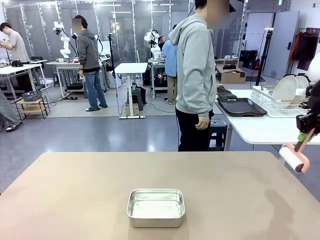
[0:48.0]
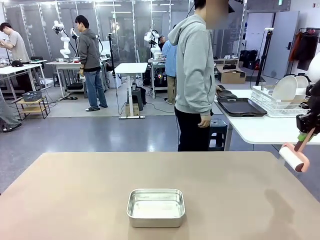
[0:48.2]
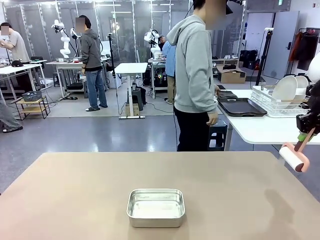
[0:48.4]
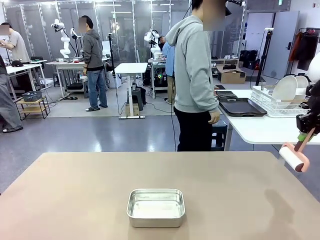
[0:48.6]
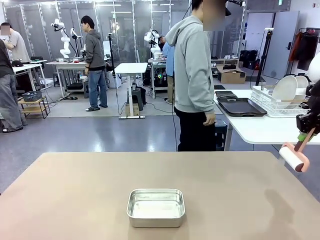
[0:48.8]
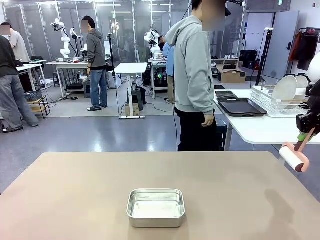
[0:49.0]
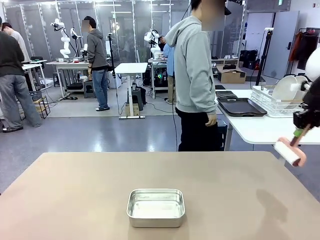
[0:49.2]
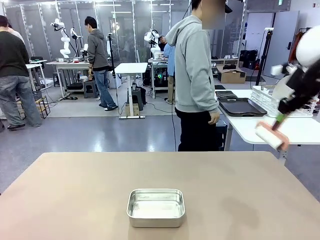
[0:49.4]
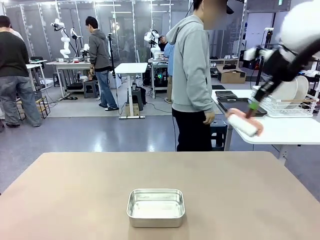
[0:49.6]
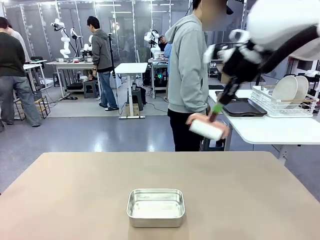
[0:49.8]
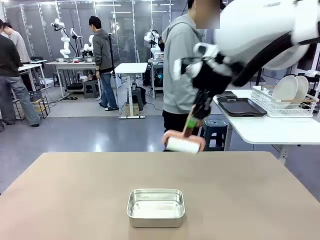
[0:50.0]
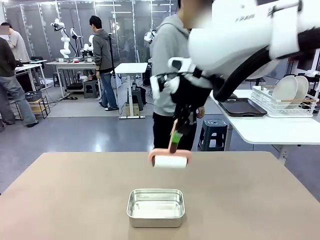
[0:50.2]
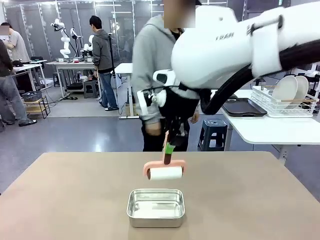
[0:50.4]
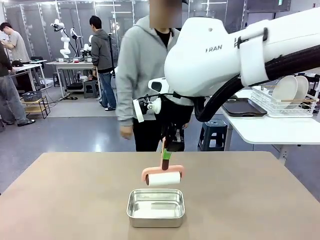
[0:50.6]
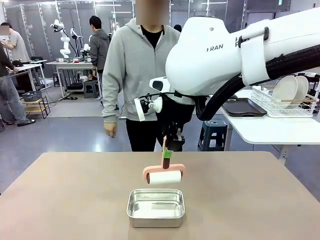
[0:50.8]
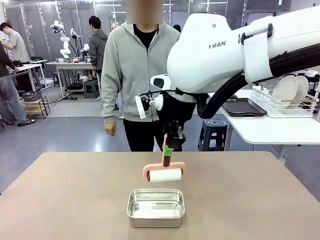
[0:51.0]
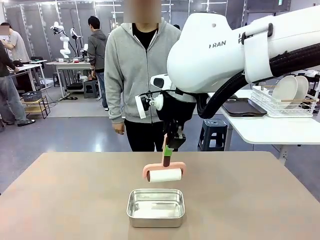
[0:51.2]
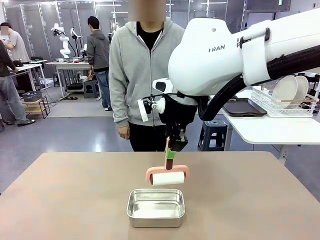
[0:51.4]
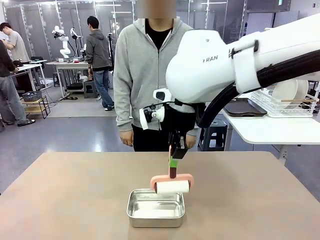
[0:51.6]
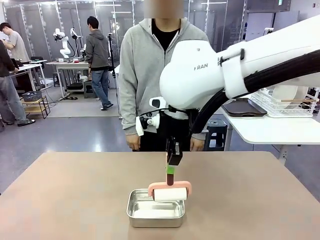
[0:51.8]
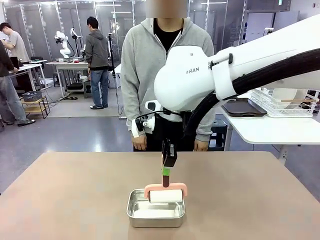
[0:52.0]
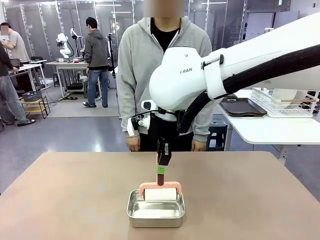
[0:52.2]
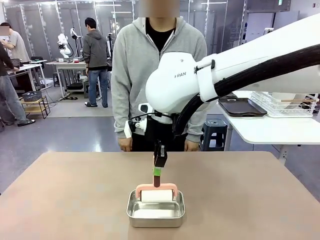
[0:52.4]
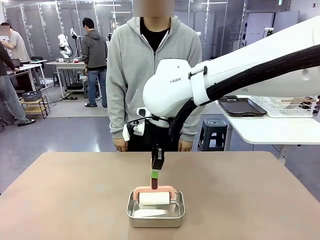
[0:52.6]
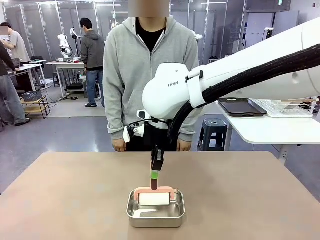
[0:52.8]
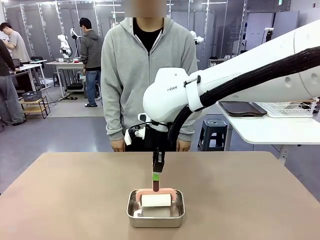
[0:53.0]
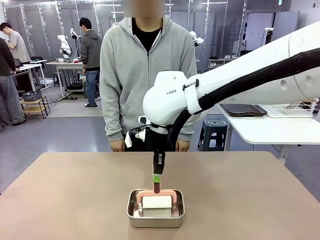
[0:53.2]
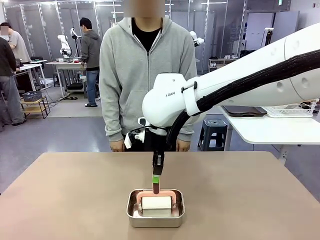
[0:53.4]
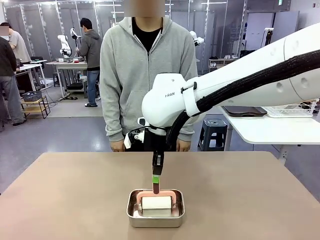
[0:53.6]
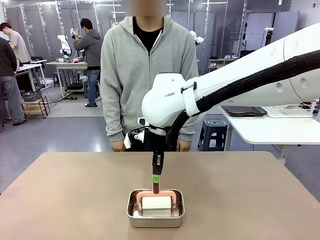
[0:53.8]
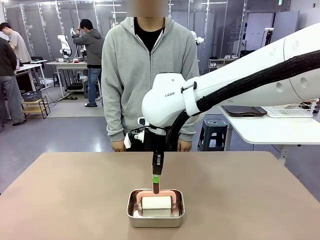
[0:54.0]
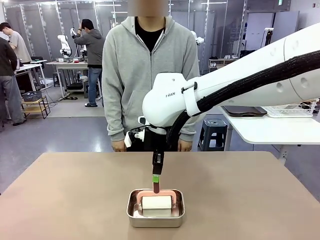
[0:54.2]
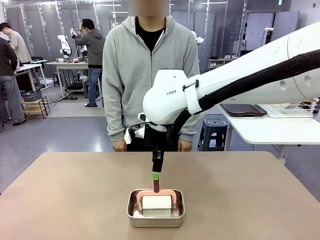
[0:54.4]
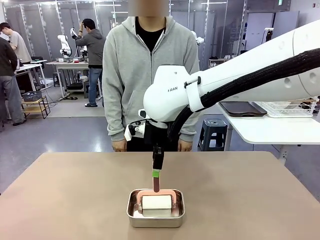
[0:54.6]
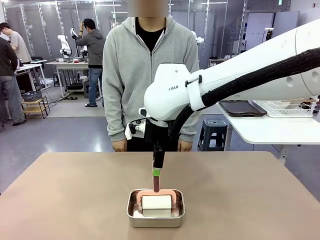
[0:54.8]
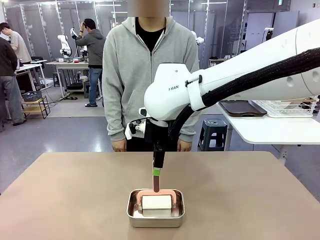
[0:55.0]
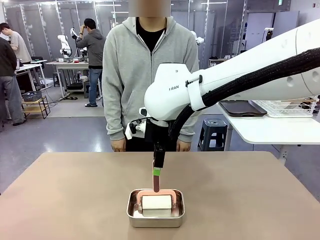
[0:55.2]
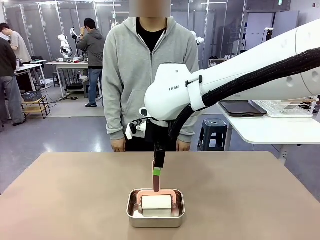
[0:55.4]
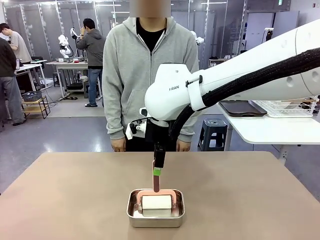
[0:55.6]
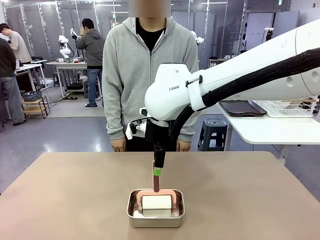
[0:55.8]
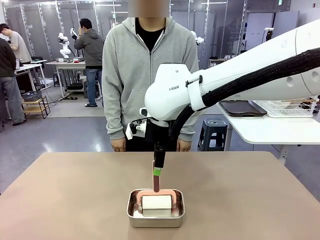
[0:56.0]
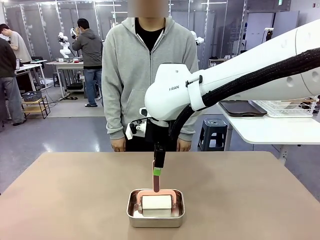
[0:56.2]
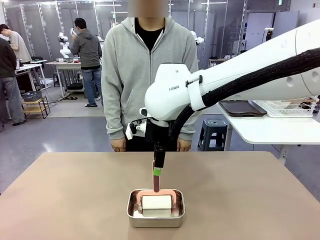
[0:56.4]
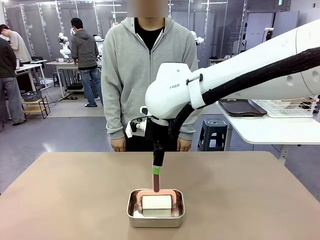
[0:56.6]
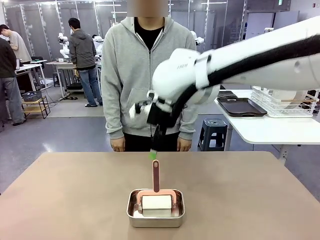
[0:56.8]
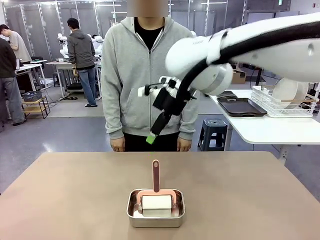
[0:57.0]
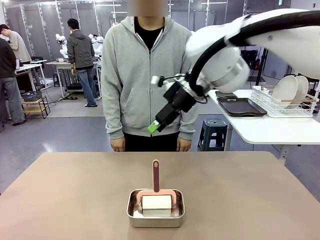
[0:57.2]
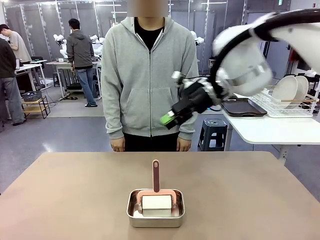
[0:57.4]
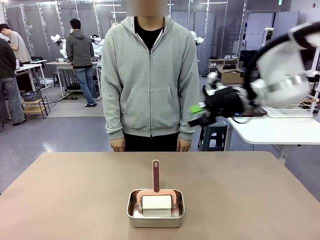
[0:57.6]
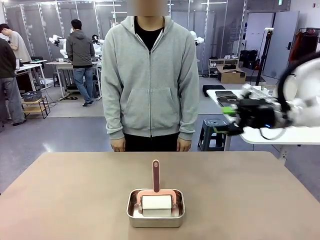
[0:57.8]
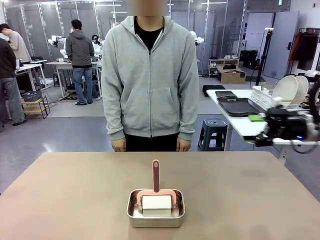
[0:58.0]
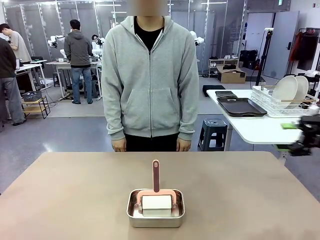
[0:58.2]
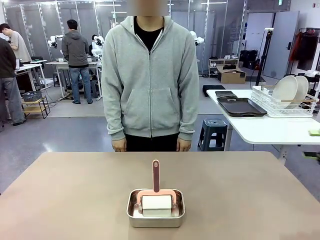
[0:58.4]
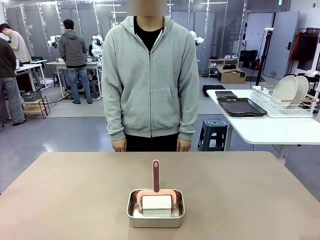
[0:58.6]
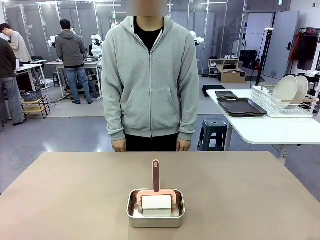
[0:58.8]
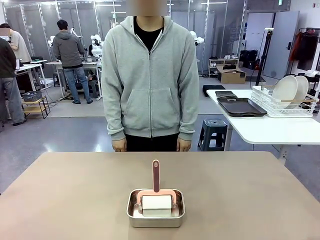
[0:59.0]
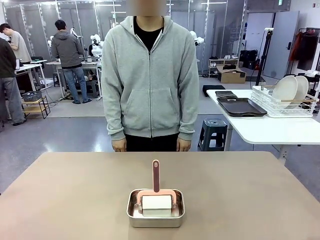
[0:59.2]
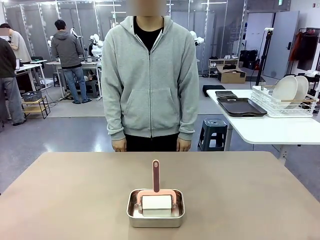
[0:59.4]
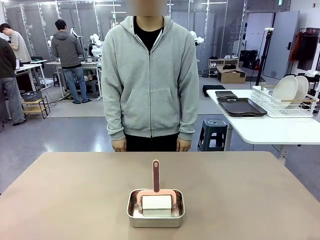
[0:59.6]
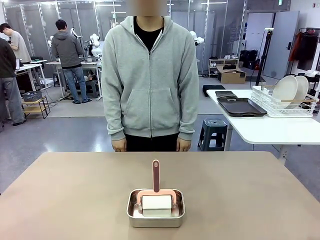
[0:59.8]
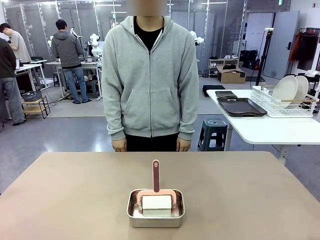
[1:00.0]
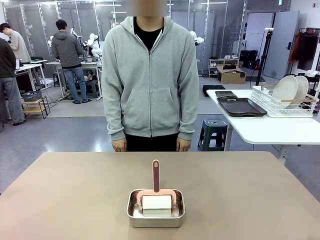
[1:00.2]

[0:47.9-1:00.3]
Robot: Place the Lint Roller back on top of the Airtight Container.

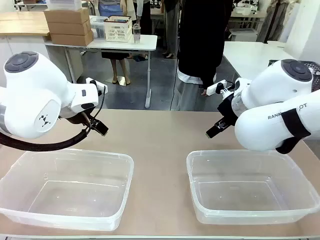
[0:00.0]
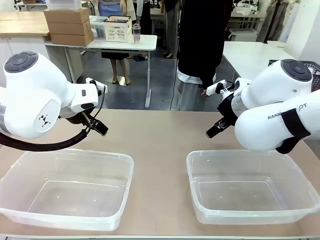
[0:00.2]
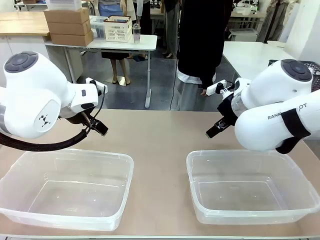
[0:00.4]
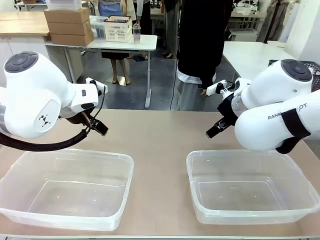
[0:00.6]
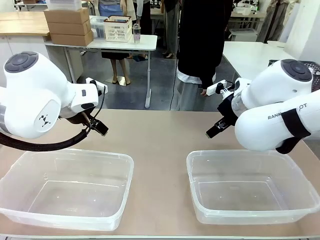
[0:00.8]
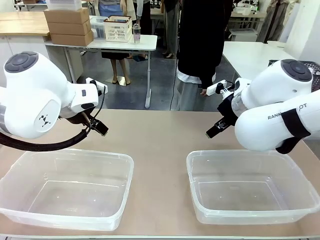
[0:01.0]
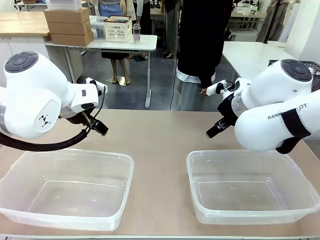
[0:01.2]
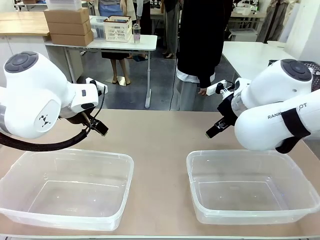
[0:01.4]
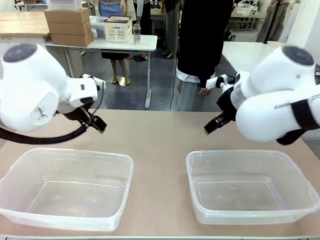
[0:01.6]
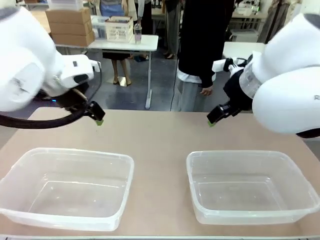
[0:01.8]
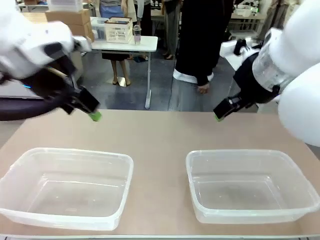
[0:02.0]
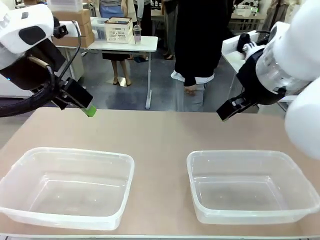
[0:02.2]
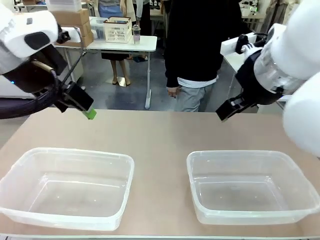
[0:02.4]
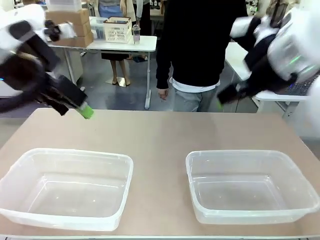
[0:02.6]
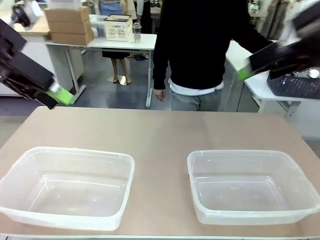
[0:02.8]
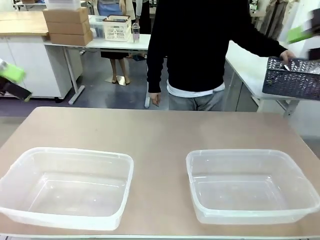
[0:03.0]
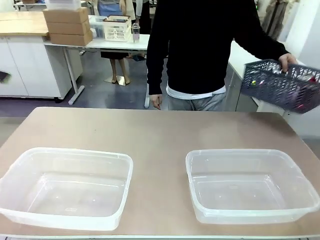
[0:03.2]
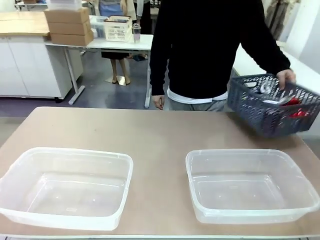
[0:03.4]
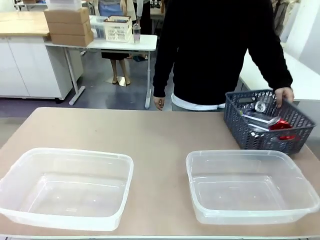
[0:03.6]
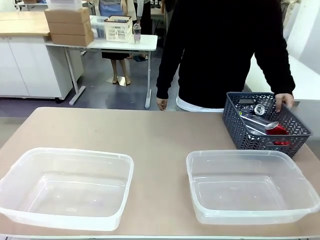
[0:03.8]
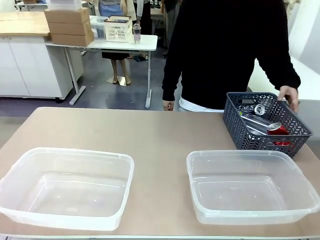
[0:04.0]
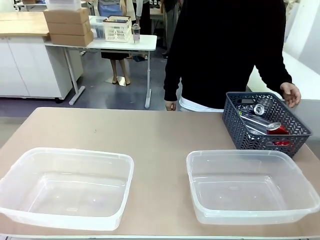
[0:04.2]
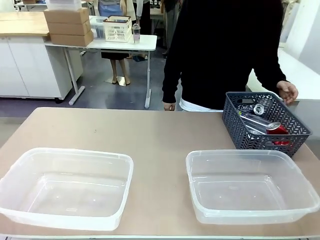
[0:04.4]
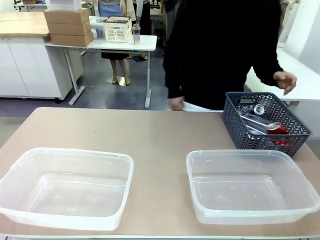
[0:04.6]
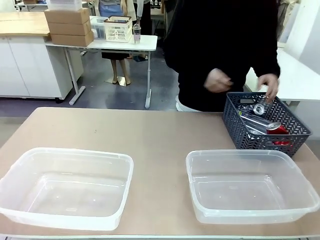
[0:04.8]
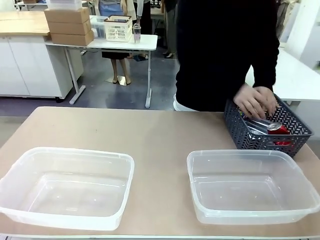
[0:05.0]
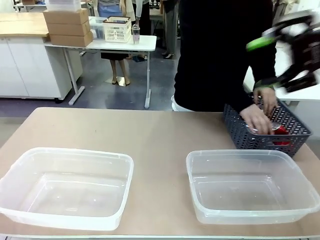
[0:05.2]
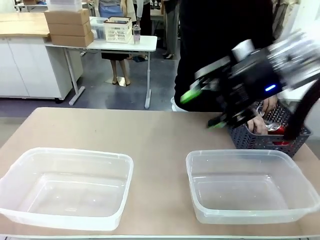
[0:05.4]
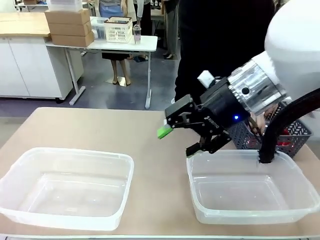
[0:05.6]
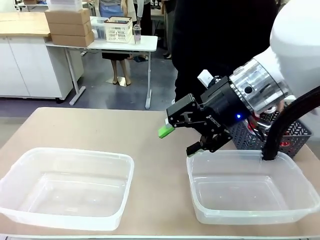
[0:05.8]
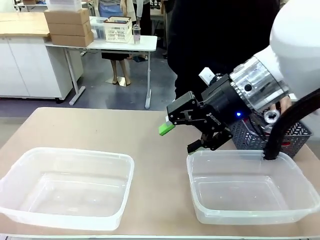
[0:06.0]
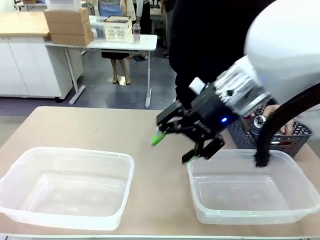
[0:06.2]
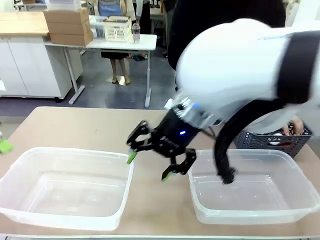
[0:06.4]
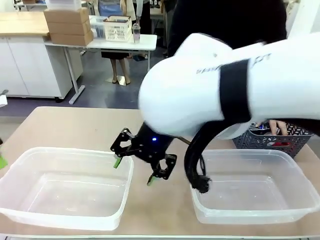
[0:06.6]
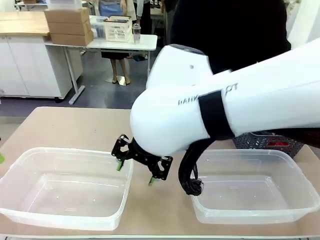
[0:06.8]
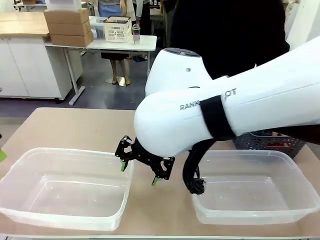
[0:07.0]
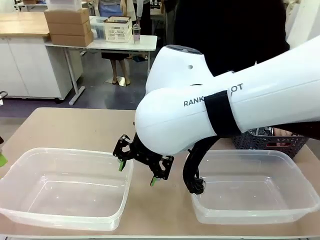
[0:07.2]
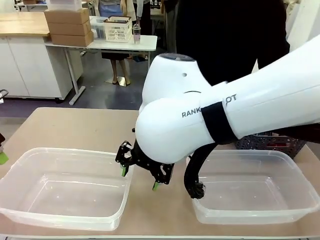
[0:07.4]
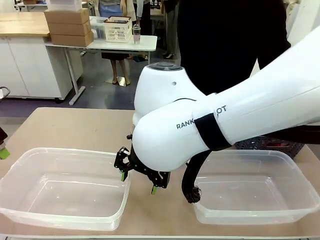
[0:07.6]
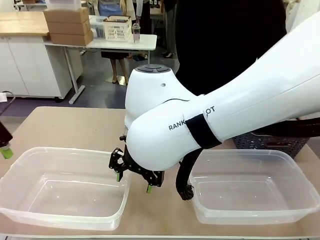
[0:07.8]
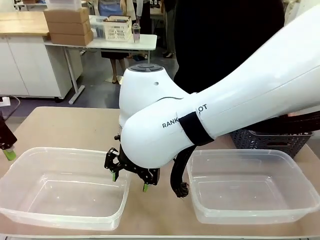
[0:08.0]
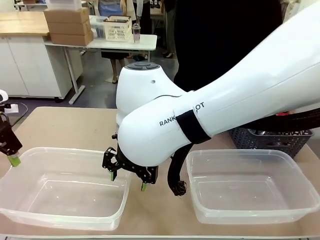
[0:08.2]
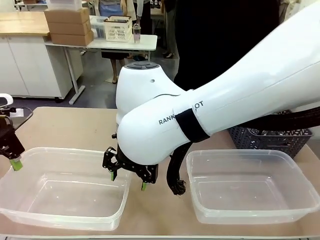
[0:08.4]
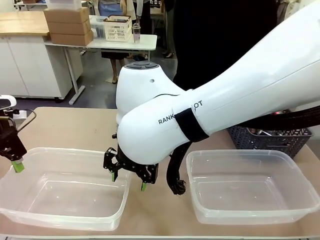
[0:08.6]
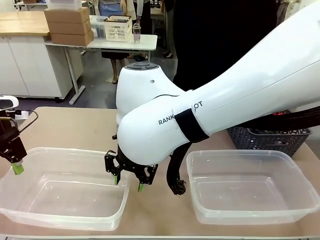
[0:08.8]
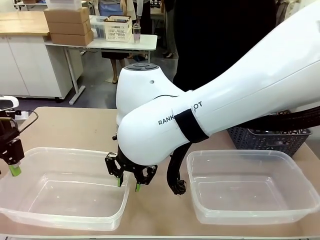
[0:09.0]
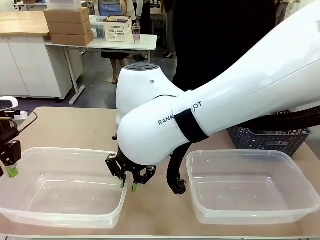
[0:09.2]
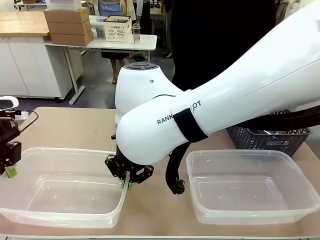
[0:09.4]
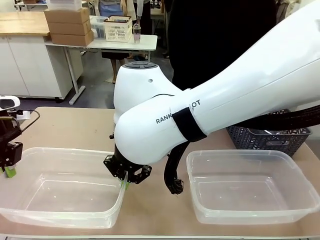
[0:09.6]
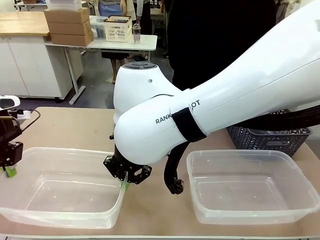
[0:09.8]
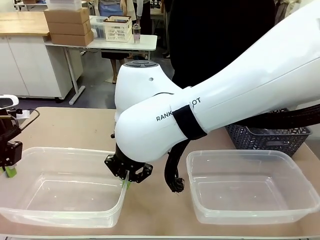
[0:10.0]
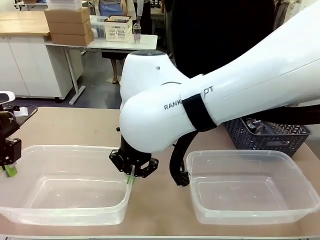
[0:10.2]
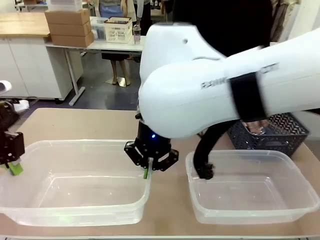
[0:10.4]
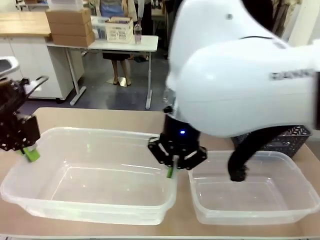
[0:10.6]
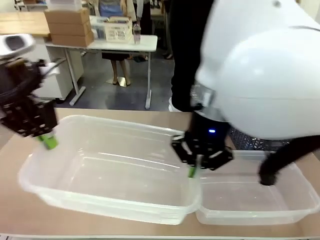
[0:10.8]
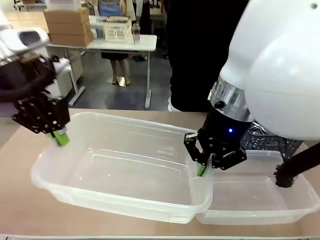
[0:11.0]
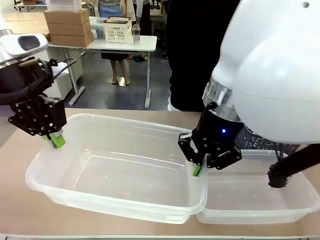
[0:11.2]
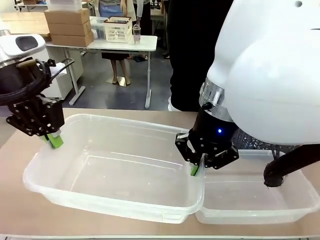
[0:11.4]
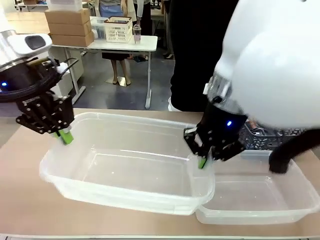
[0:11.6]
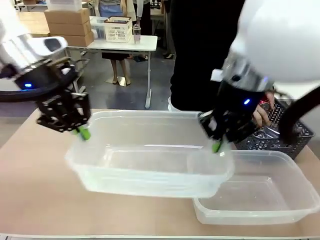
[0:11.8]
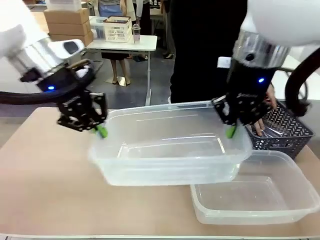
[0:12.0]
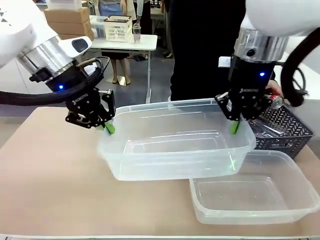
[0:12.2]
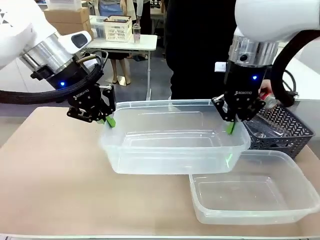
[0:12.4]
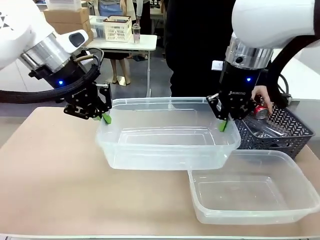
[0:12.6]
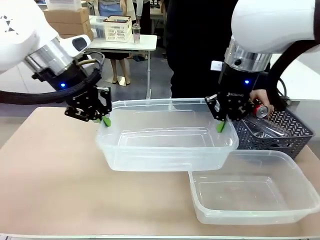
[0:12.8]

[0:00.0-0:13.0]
Robot: Pick up the Organizing box on the left side of the table and lift it.
Person: Pick up the storage basket and place it on the left side of the robot table. Pick up can-shaped waste one by one and place it into the organizing box lifted by the robot.
